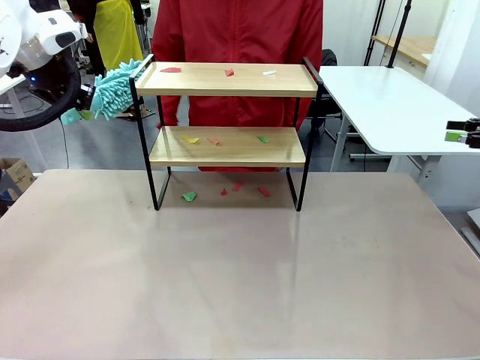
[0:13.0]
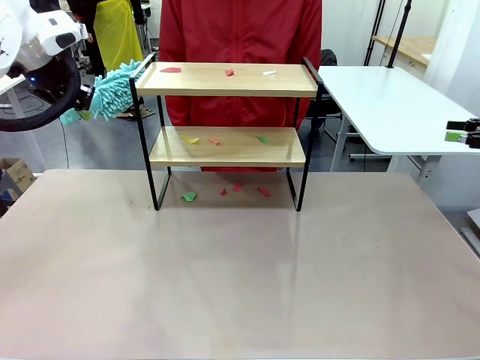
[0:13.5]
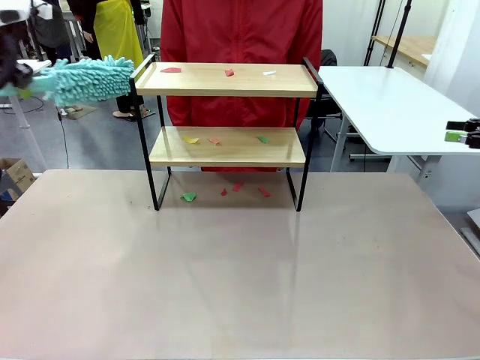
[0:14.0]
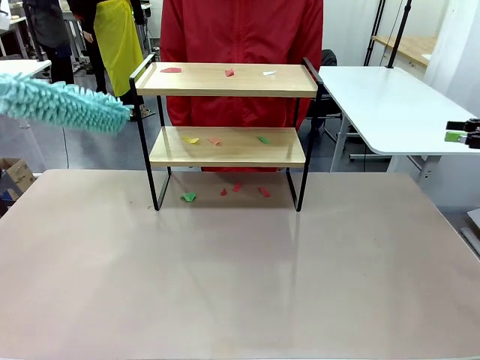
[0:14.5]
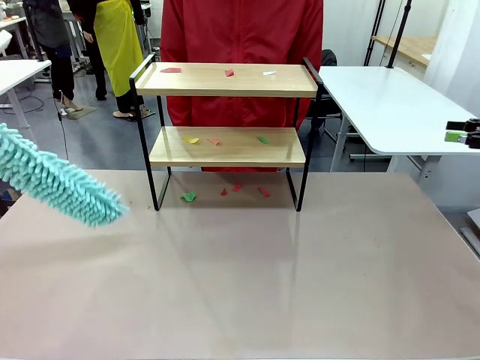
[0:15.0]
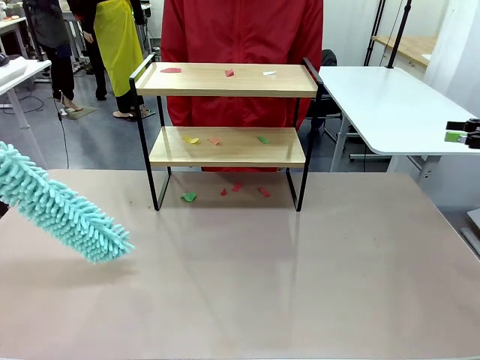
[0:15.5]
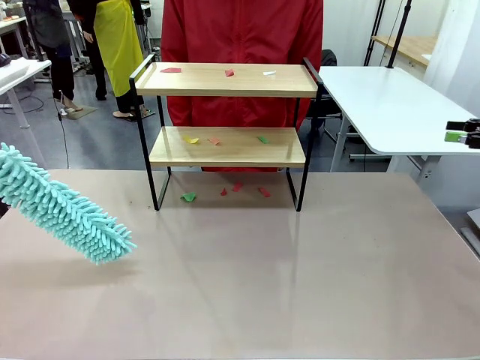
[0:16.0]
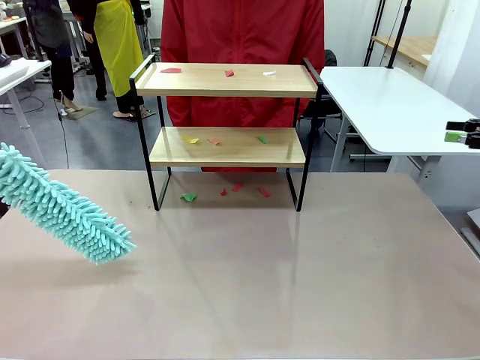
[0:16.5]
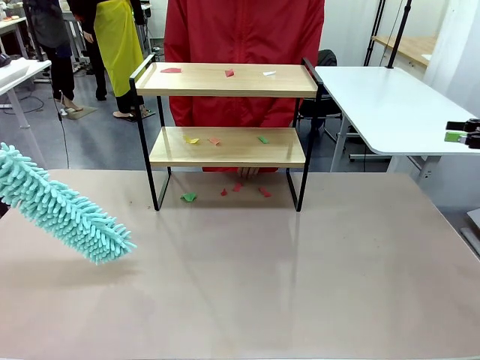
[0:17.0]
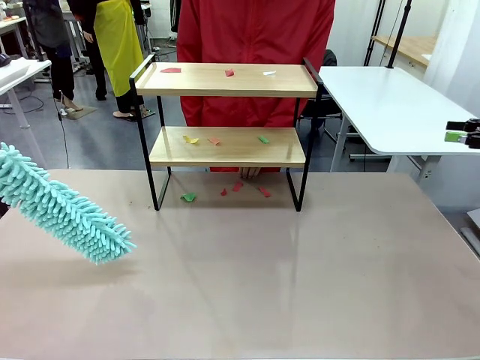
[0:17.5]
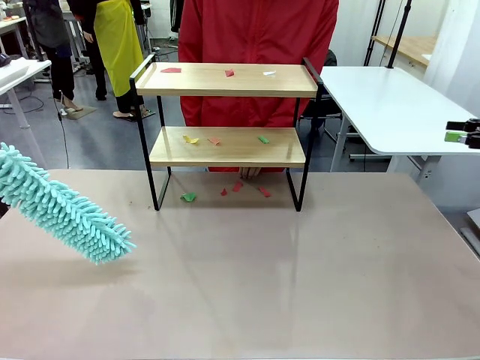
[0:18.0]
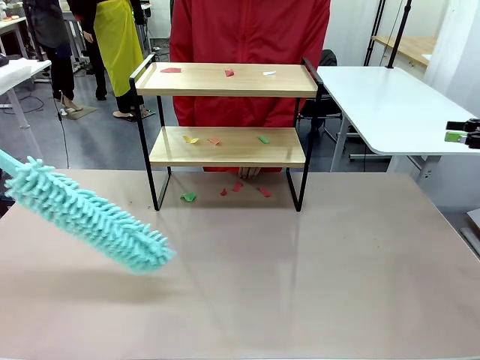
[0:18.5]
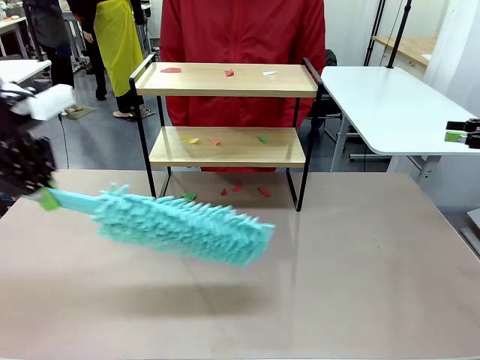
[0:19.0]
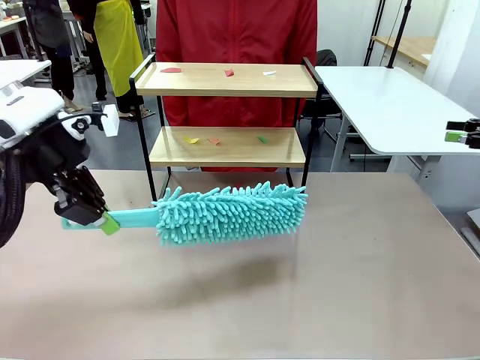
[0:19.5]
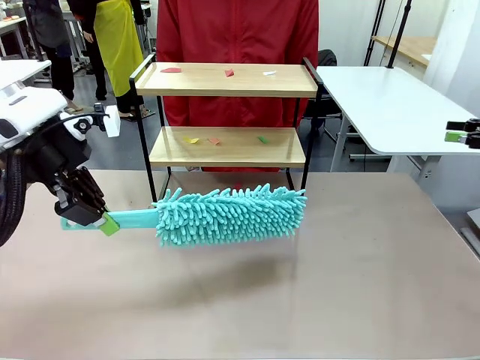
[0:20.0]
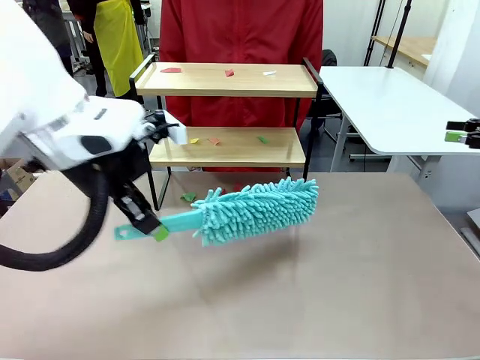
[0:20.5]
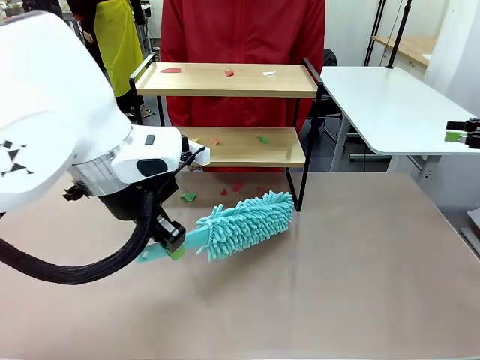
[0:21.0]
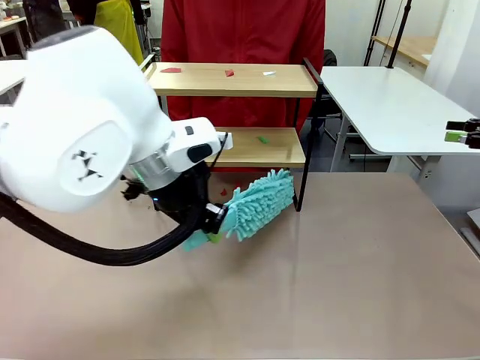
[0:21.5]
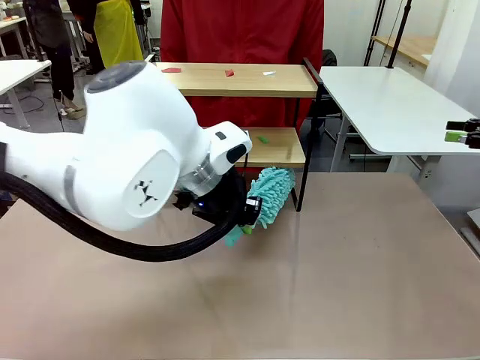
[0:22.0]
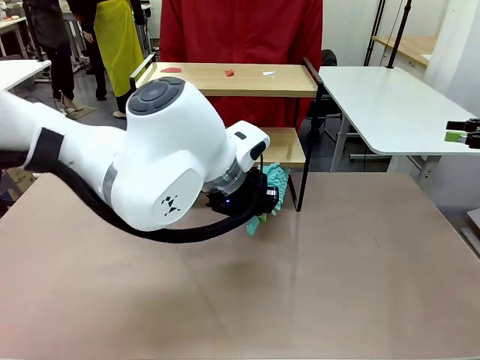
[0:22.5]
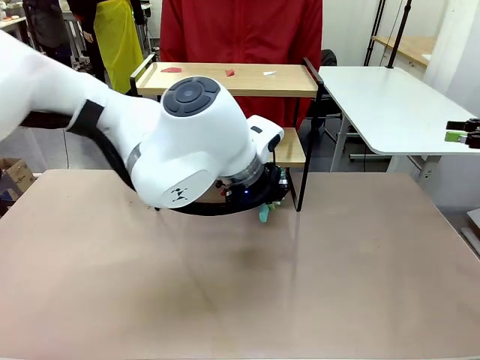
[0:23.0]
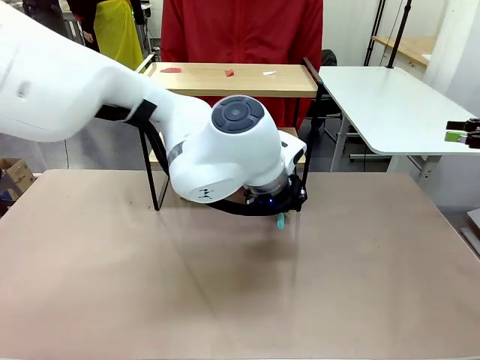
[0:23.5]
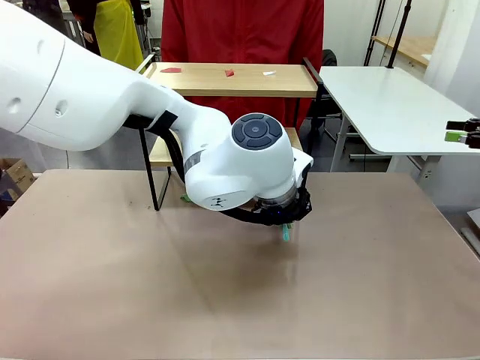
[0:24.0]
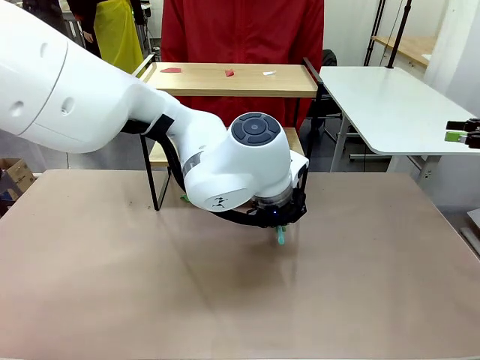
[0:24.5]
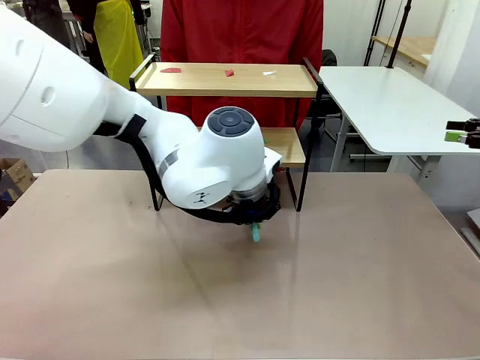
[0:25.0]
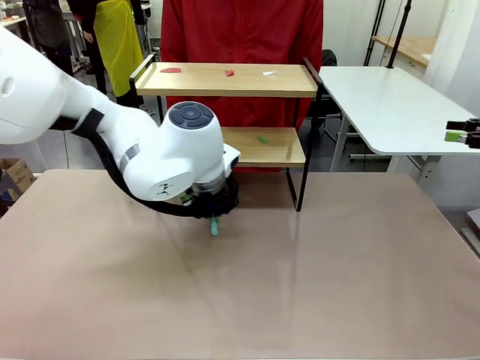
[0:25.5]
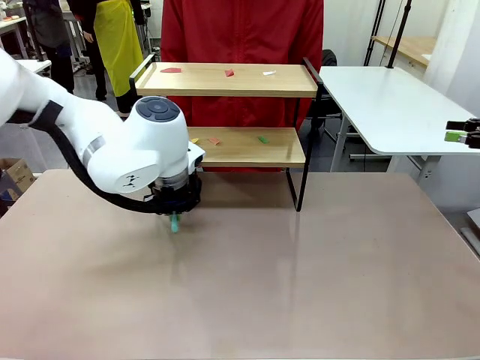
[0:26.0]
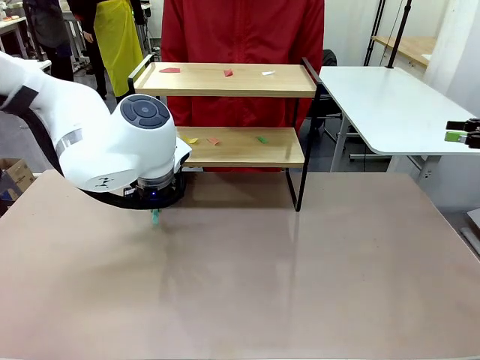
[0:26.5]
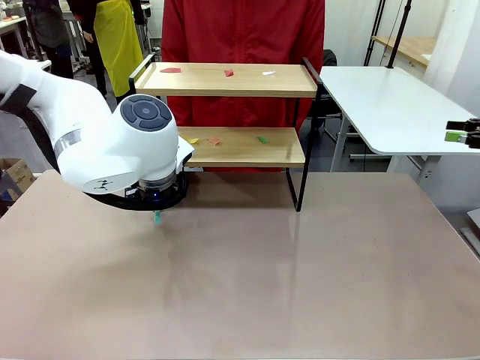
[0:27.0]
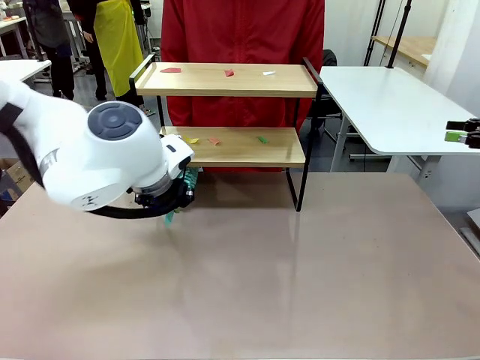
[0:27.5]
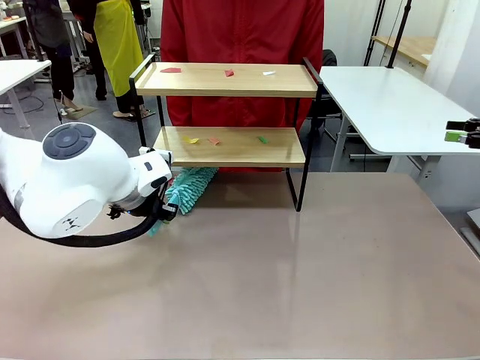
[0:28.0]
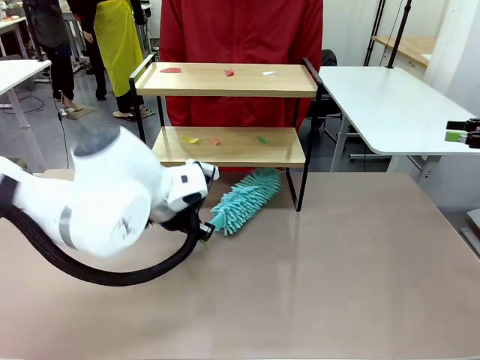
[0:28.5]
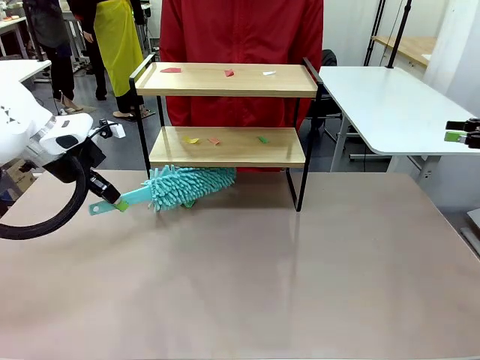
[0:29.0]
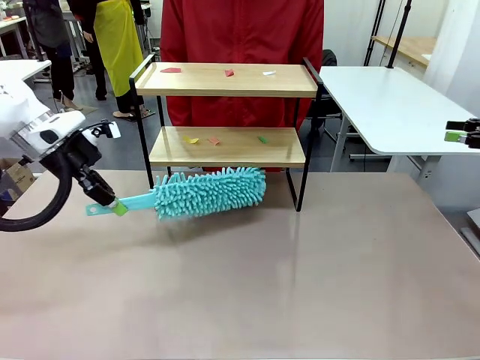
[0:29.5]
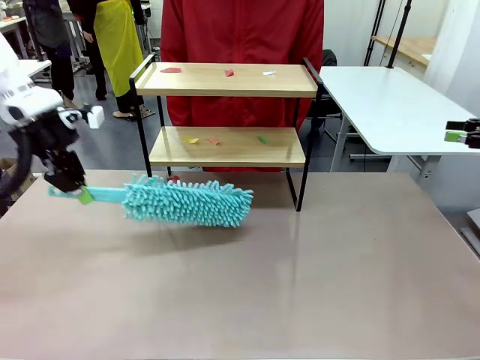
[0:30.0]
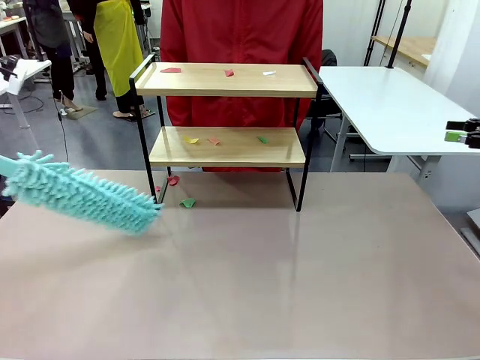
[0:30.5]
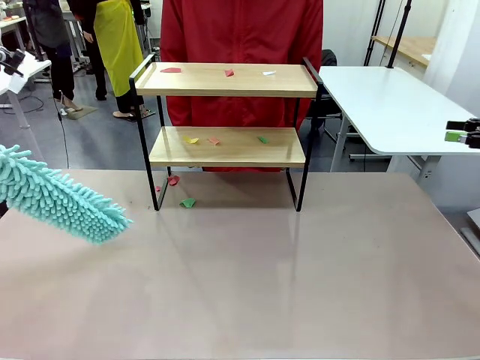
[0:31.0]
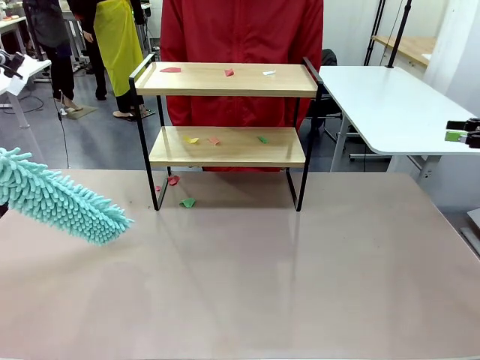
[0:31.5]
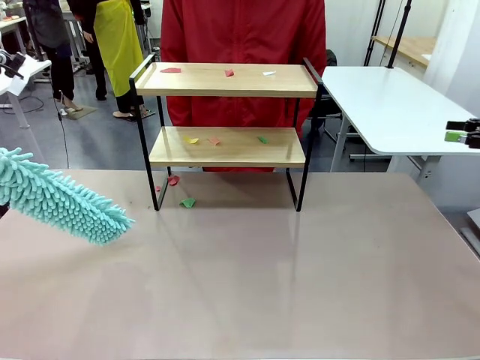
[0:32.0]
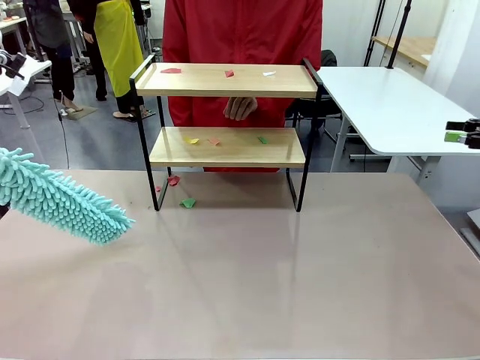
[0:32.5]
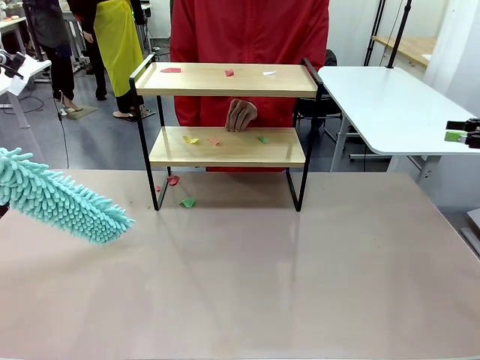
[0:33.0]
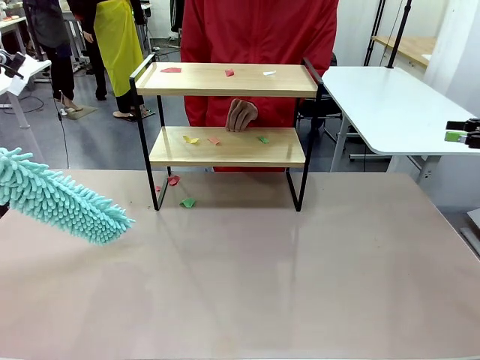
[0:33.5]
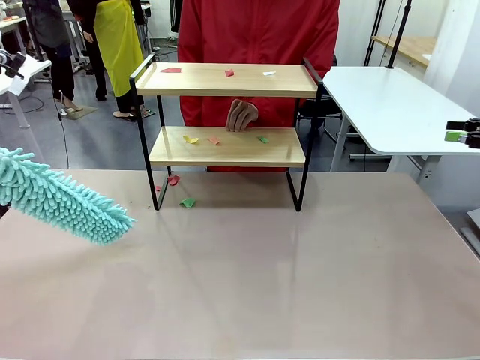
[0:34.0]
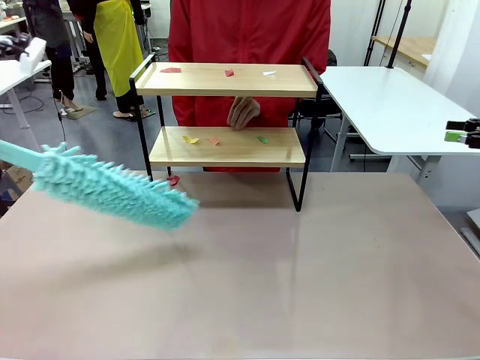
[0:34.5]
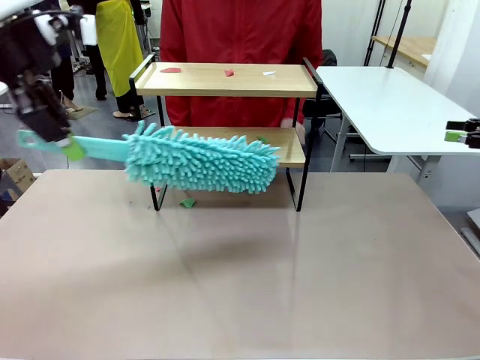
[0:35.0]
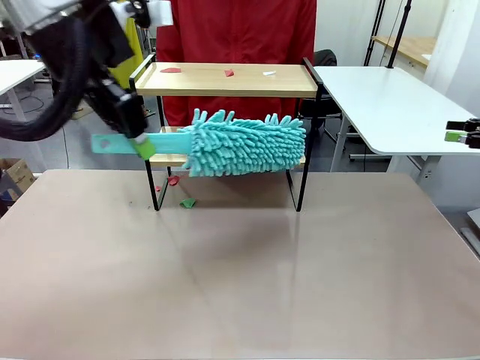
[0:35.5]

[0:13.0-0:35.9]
Task: Clean the shelf.
Robot: Clean the specific section of the Shelf indicated by the human with the Duster.
Person: Point a random section of the Shelf.
